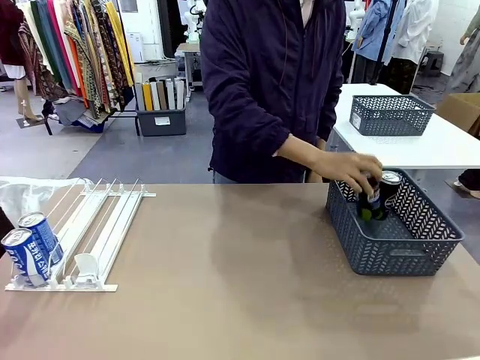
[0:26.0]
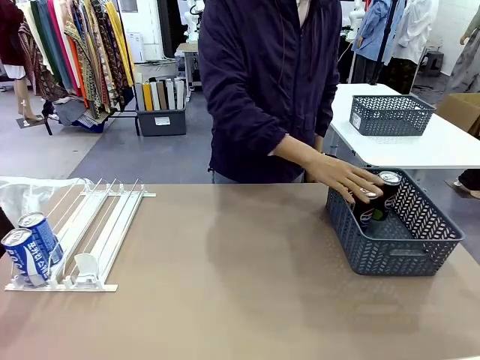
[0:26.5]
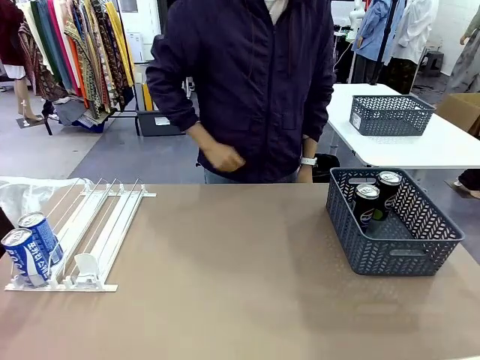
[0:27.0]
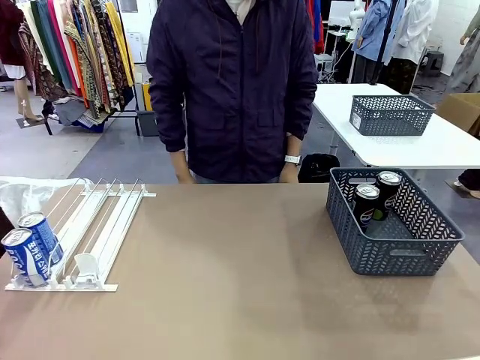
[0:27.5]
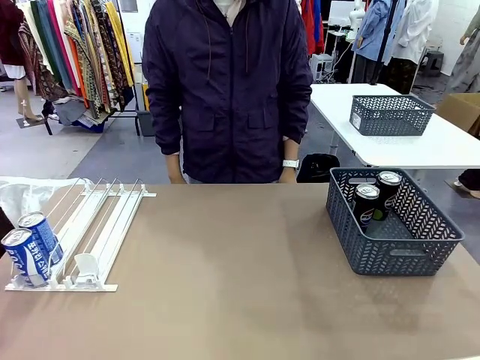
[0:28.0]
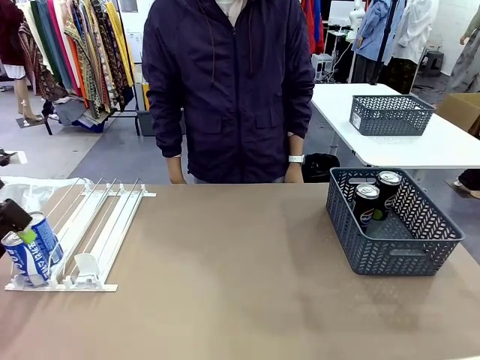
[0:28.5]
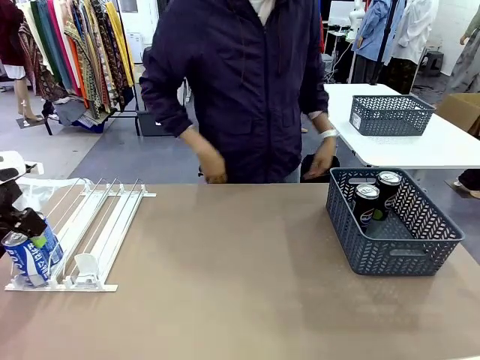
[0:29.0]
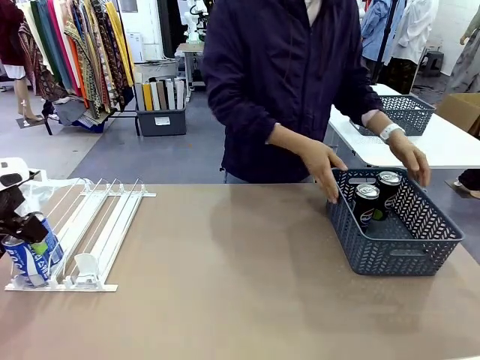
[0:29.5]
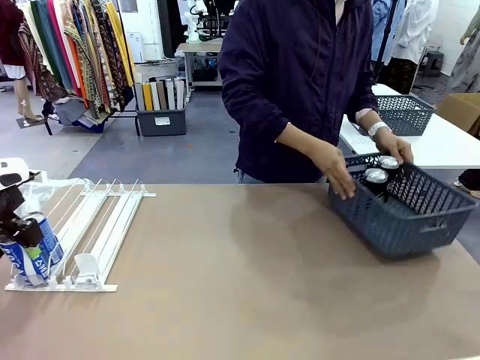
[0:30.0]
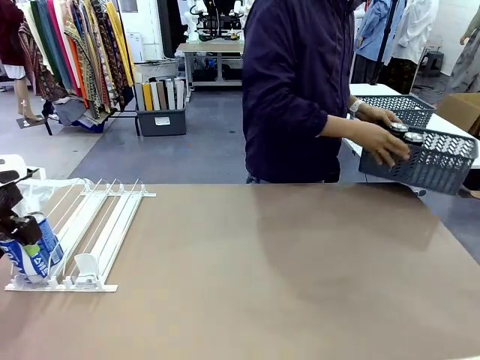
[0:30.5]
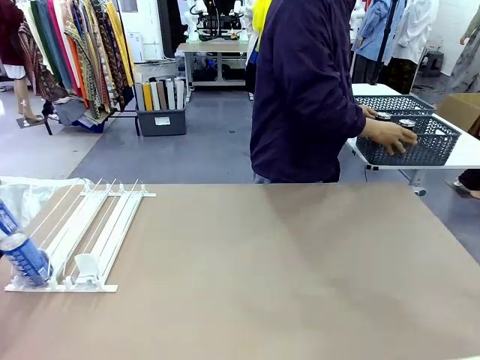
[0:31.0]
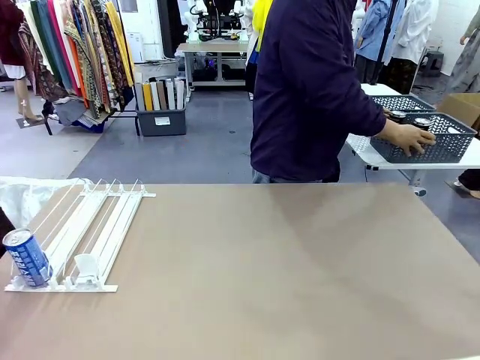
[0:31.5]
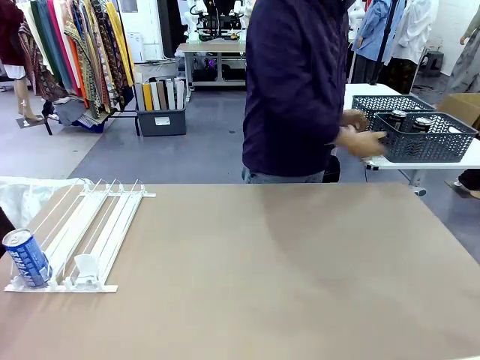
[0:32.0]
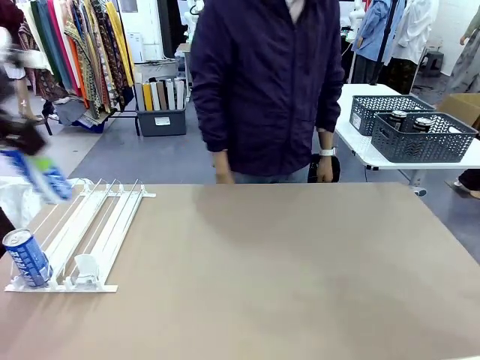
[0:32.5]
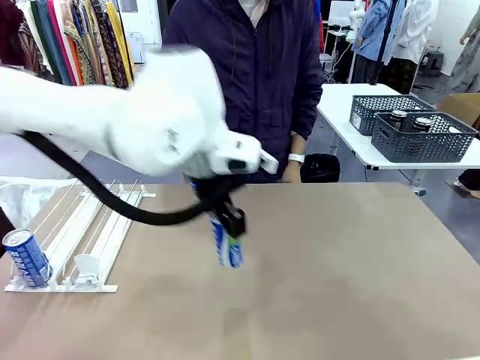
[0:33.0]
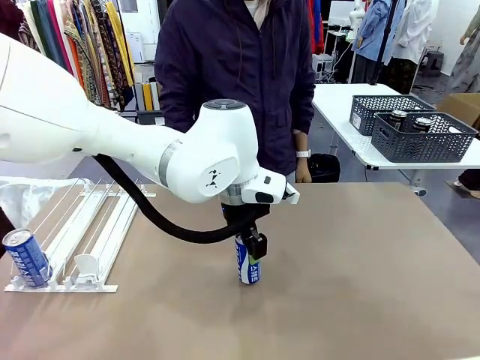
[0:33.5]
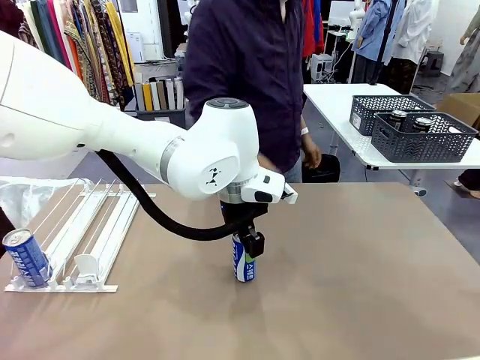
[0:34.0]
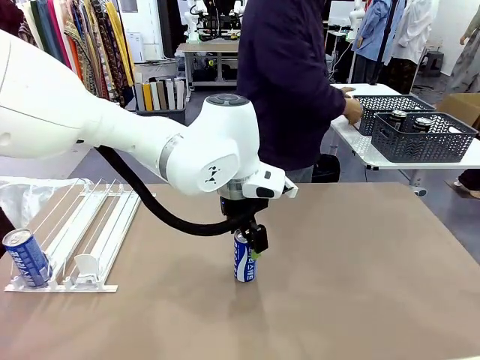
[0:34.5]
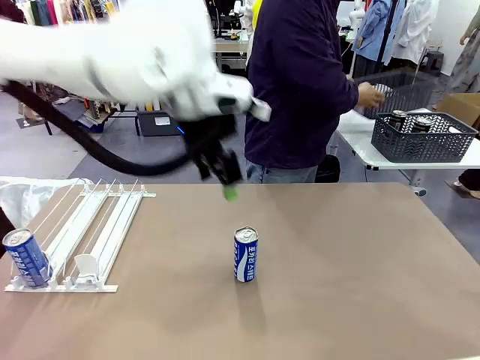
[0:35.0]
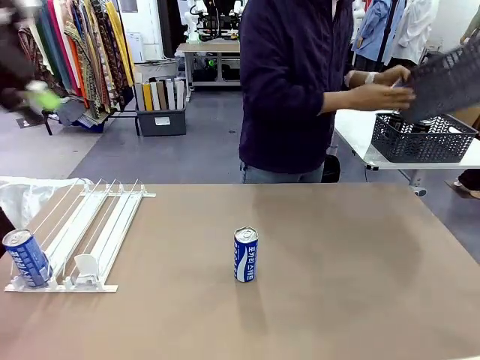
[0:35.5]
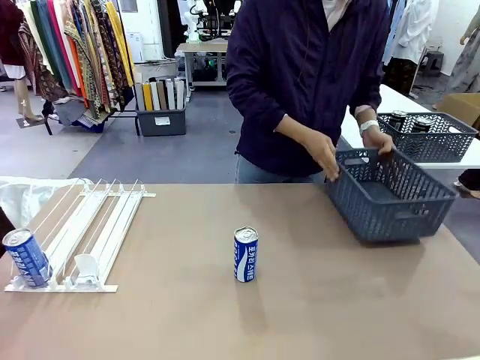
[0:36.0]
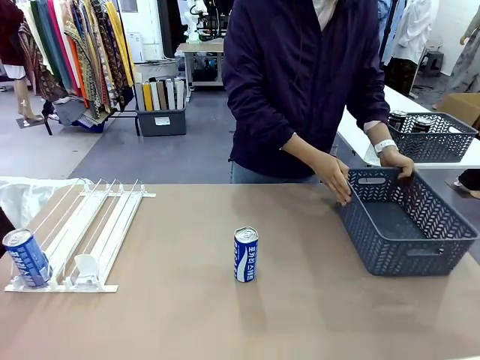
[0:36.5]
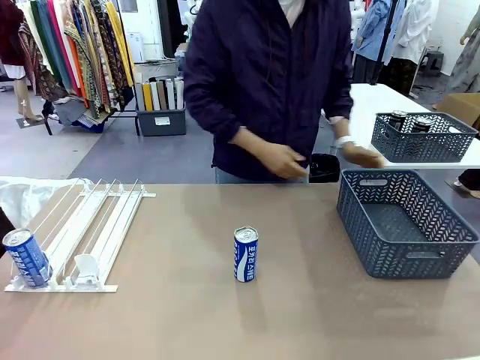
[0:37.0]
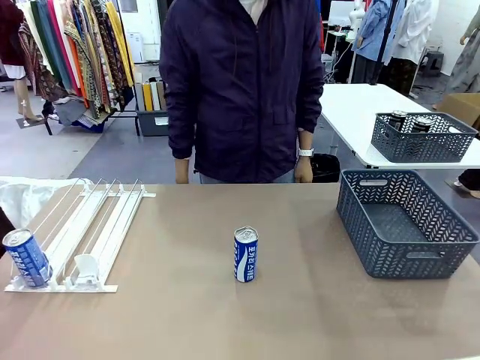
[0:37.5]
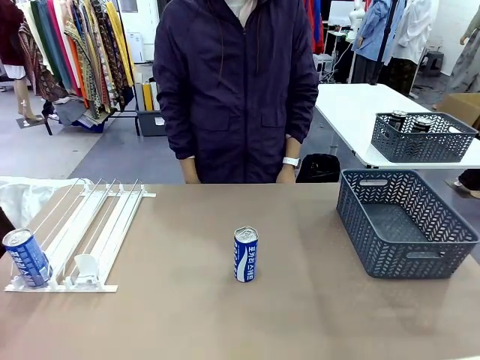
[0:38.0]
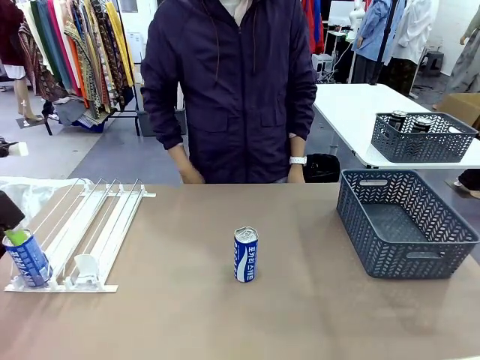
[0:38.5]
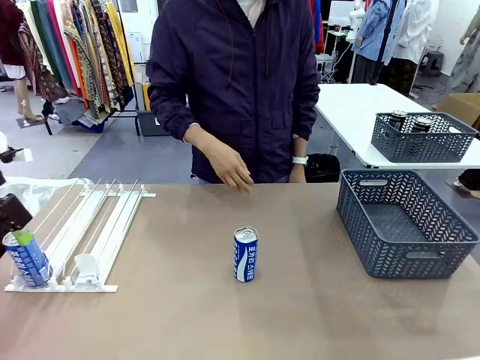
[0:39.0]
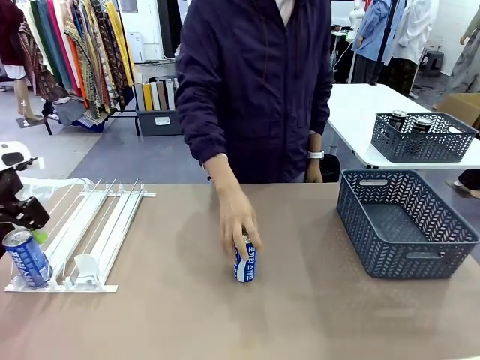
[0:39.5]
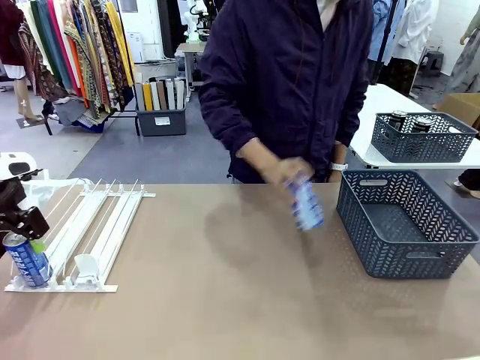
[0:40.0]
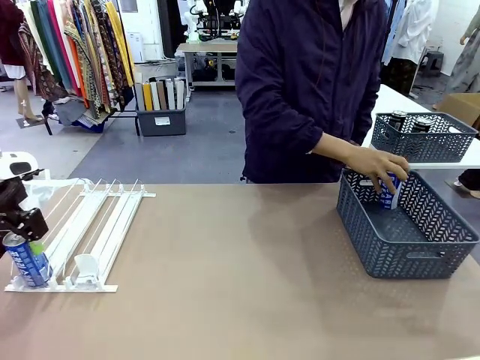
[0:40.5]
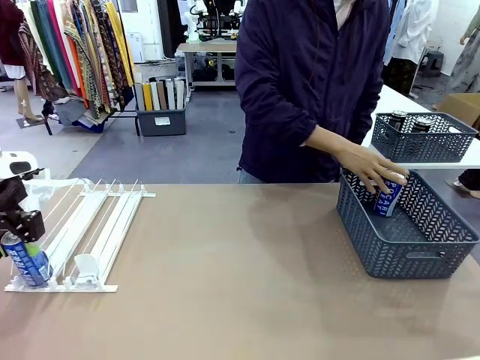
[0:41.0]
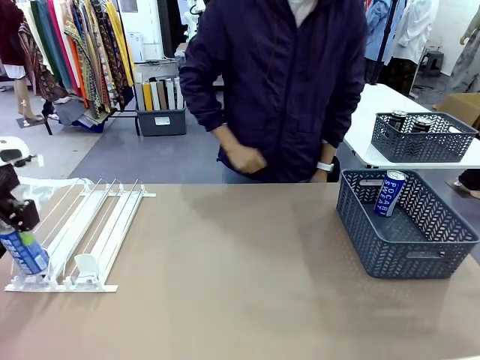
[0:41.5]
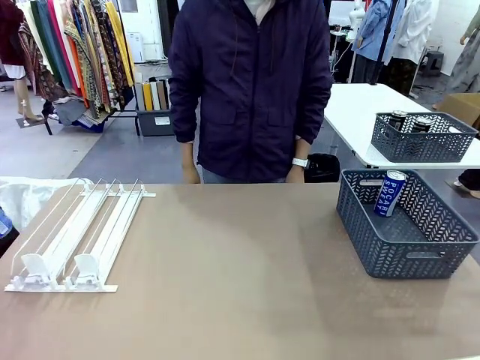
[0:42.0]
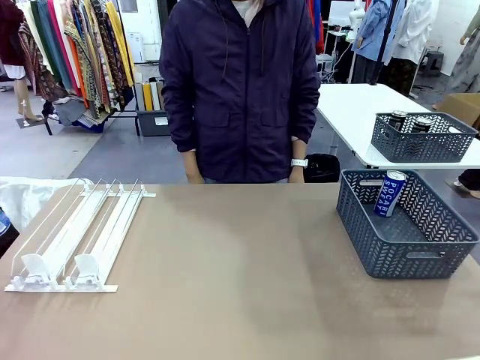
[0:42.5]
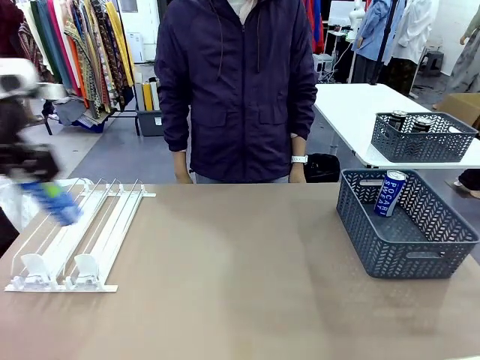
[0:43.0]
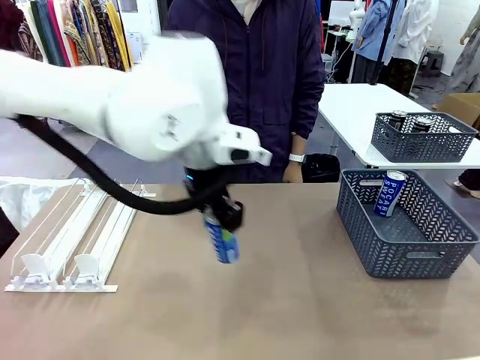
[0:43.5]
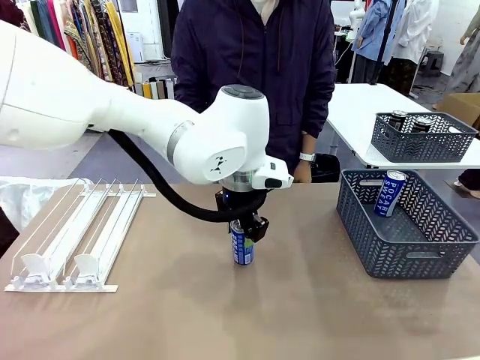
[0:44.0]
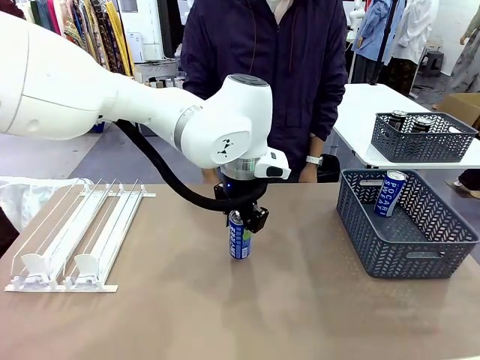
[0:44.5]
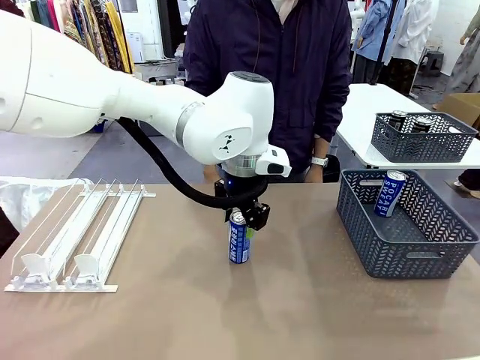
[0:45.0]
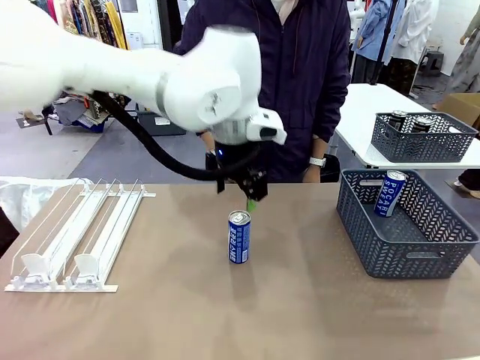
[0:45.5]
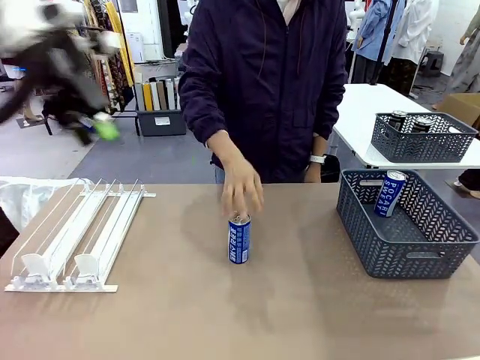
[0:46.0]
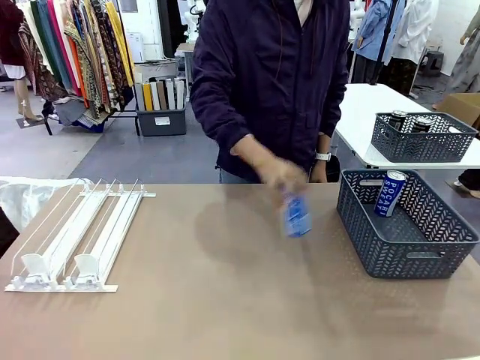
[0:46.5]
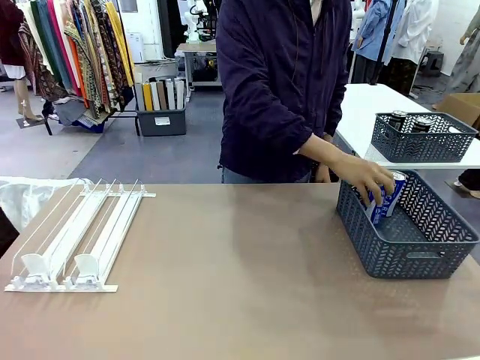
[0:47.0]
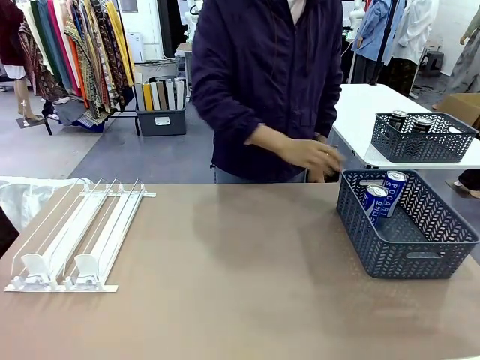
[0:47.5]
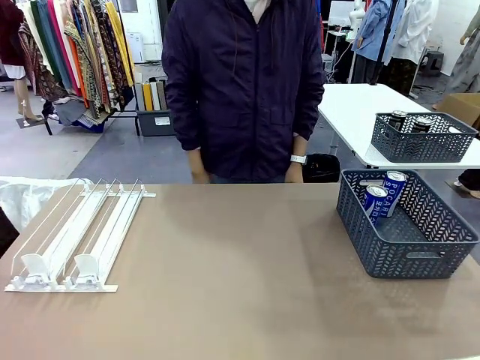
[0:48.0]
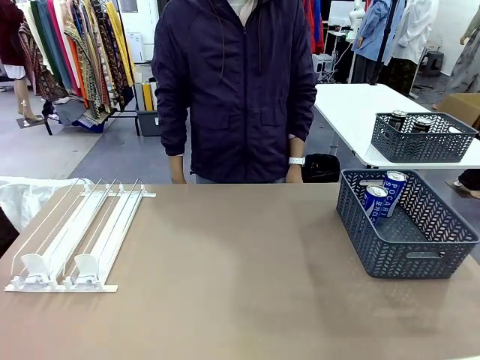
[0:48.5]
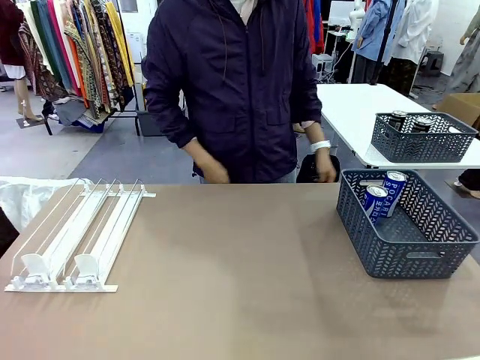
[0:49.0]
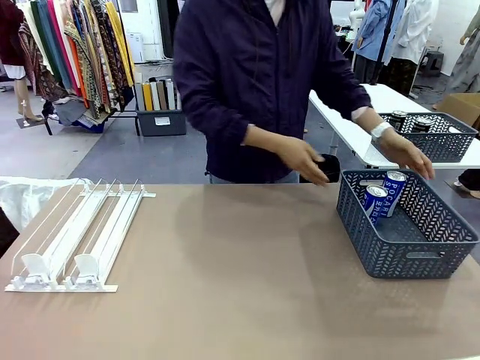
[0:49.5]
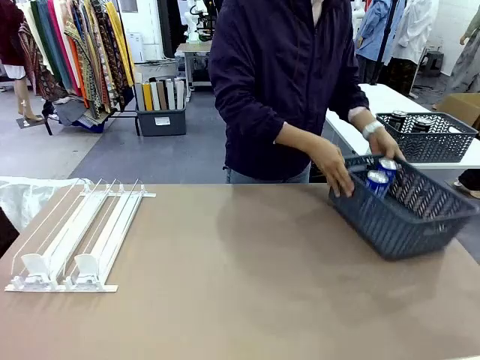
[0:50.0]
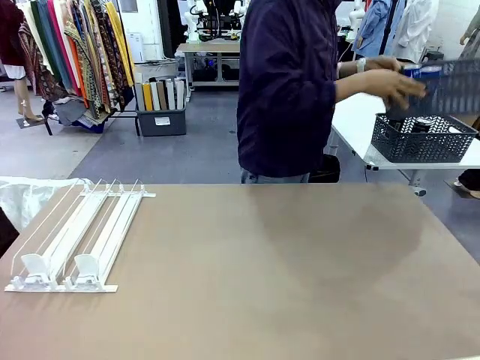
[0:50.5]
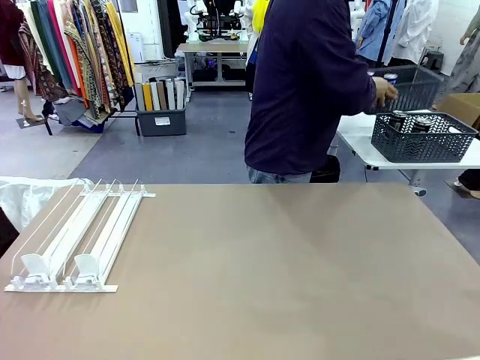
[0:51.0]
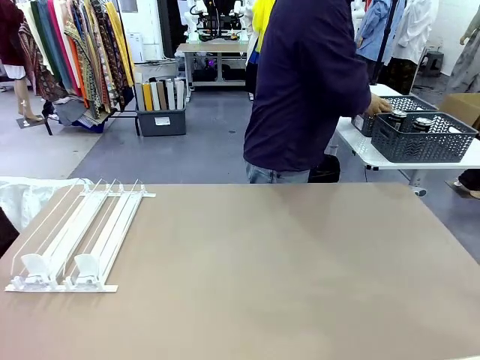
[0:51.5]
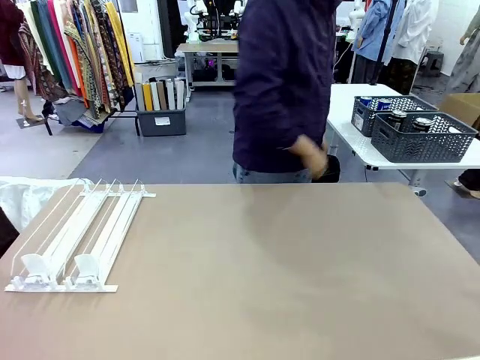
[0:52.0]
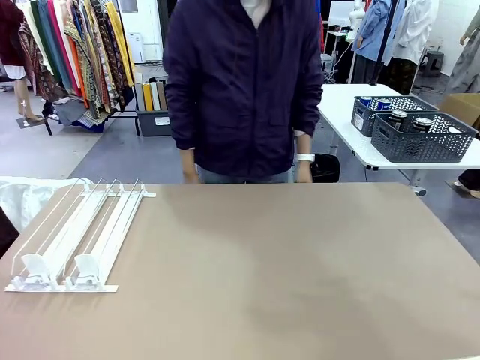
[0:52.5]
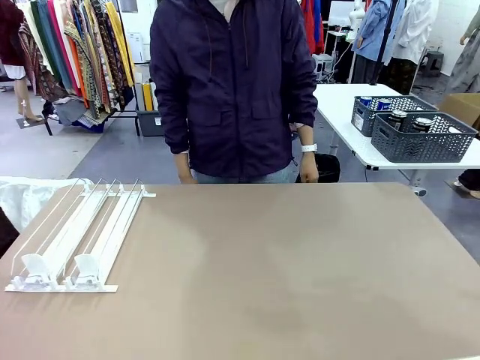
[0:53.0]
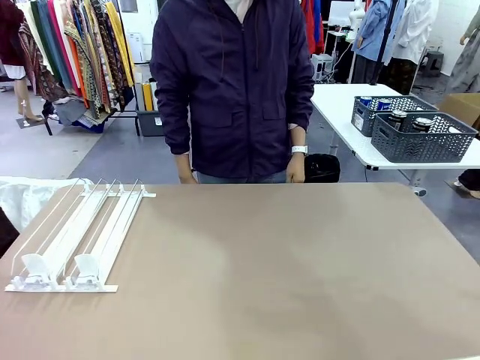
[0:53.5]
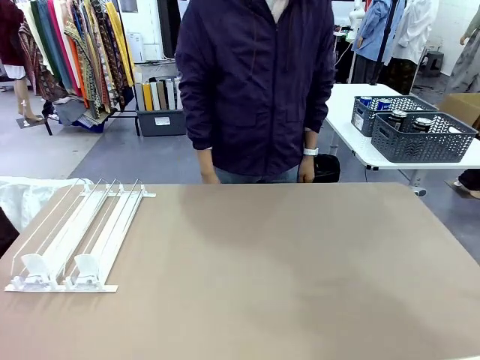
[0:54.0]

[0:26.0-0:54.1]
Task: Retrieve and store the cans from the dispenser.
Robot: Pick up one can from the Automatic Can Dispenser and place it in the middle of the table.
Person: Pick up the basket and place it in the middle of the human table. Pick up the empty basket and place it on the left side of the robot table. Pick up one sports drink can from the middle of the robot table and place it in the basket. Pick up the basket and place it in the middle of the human table.
